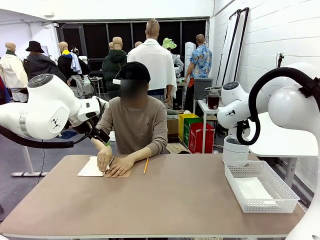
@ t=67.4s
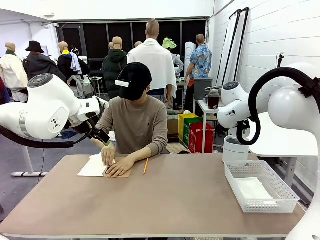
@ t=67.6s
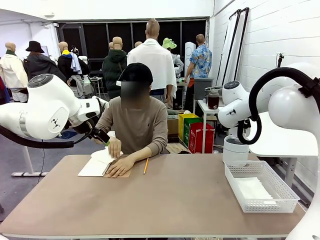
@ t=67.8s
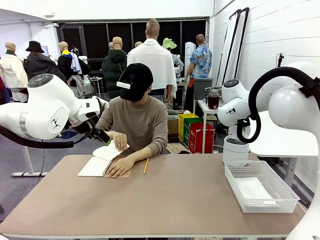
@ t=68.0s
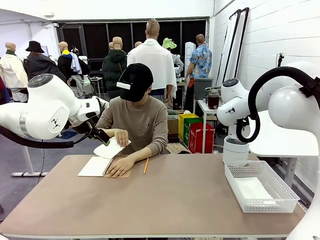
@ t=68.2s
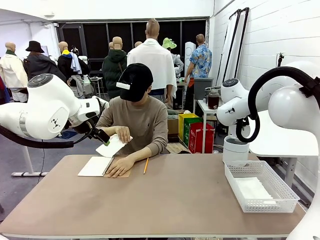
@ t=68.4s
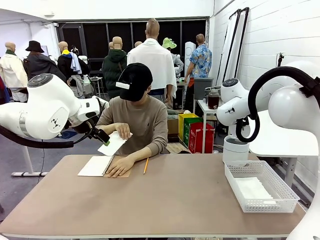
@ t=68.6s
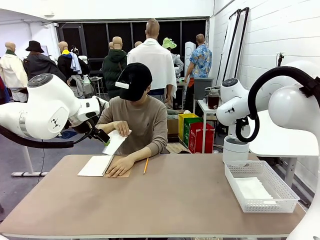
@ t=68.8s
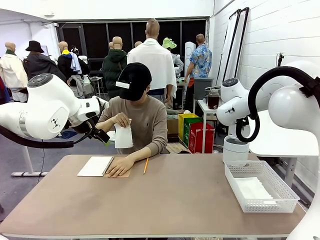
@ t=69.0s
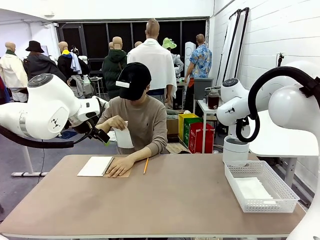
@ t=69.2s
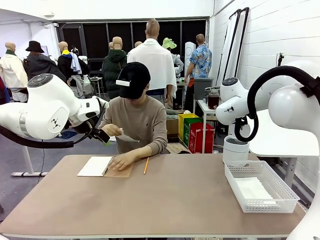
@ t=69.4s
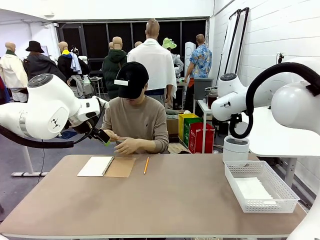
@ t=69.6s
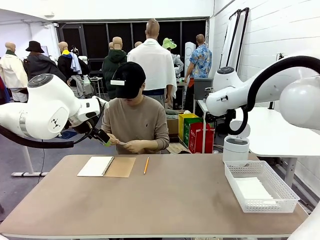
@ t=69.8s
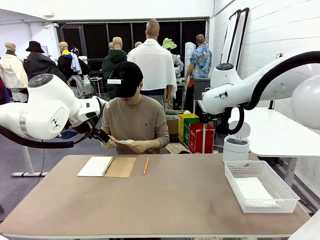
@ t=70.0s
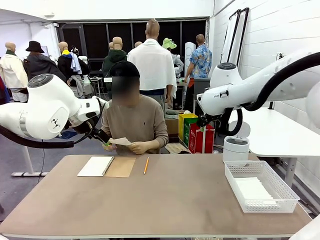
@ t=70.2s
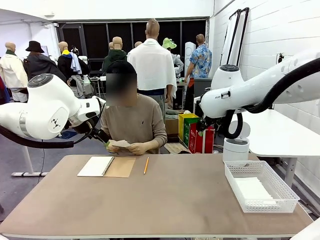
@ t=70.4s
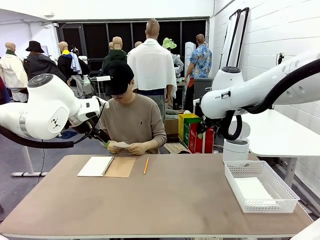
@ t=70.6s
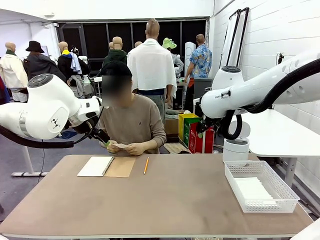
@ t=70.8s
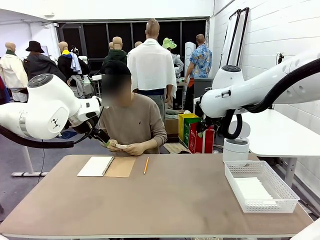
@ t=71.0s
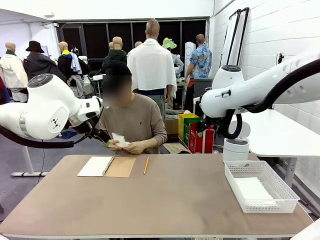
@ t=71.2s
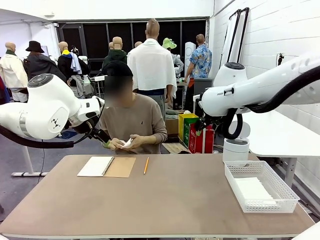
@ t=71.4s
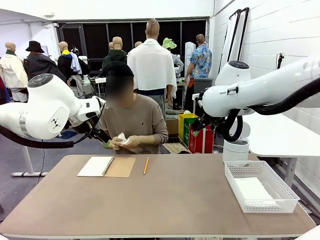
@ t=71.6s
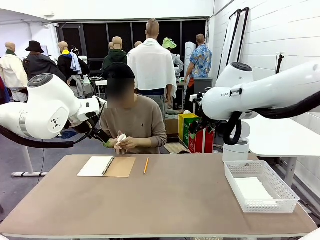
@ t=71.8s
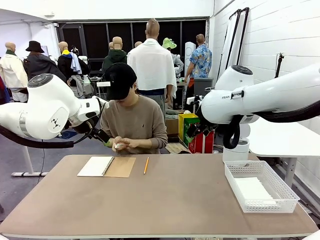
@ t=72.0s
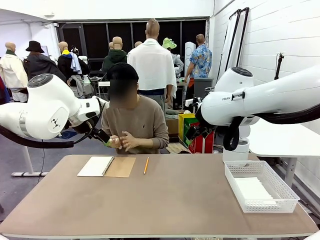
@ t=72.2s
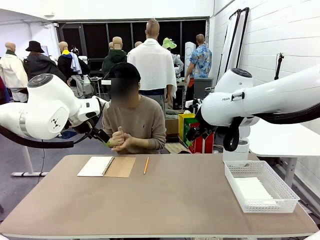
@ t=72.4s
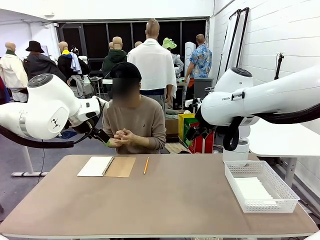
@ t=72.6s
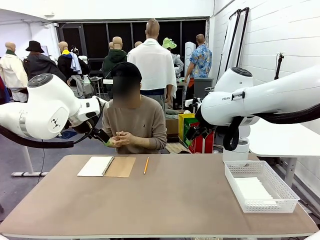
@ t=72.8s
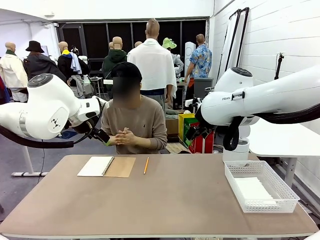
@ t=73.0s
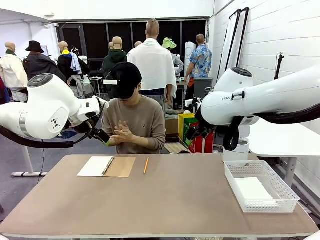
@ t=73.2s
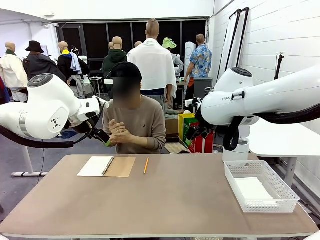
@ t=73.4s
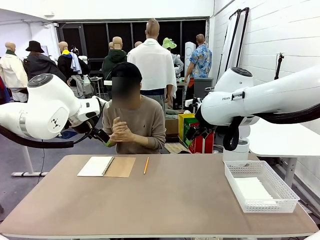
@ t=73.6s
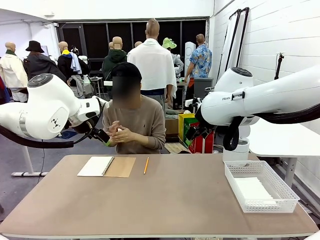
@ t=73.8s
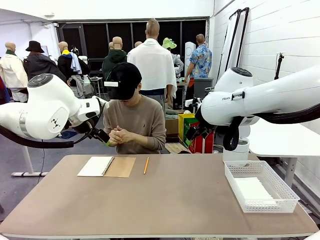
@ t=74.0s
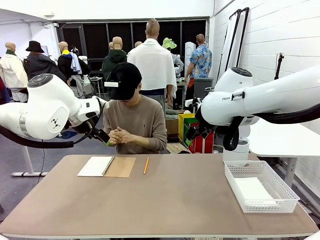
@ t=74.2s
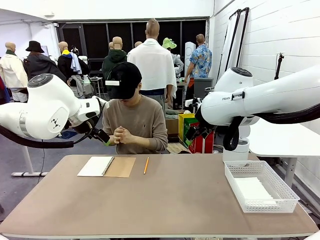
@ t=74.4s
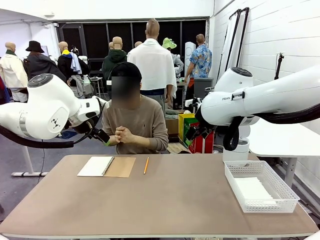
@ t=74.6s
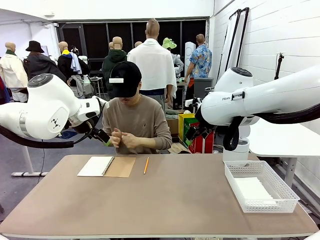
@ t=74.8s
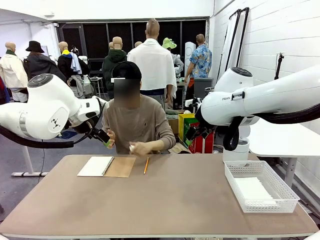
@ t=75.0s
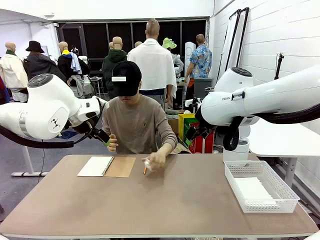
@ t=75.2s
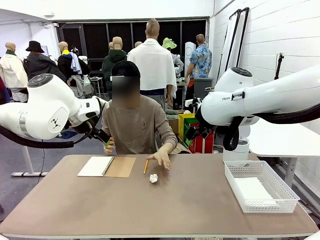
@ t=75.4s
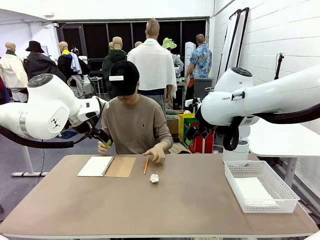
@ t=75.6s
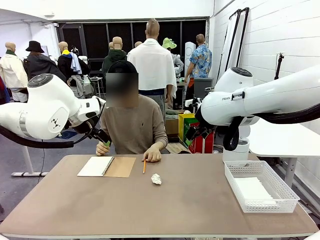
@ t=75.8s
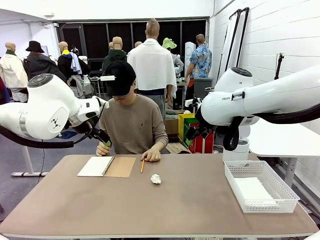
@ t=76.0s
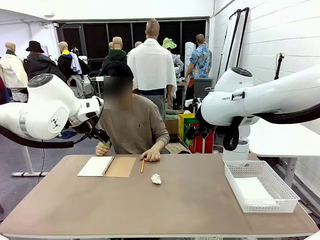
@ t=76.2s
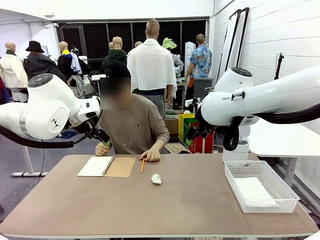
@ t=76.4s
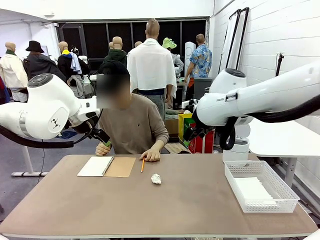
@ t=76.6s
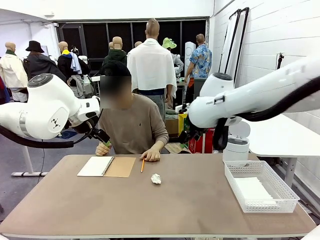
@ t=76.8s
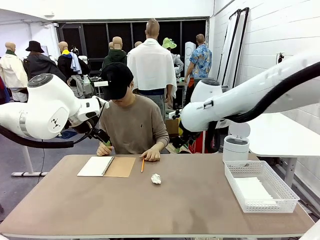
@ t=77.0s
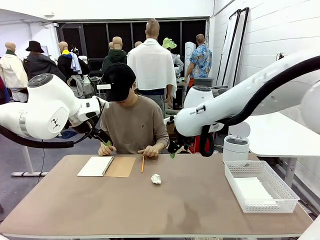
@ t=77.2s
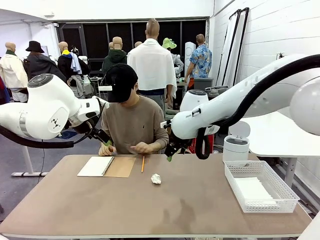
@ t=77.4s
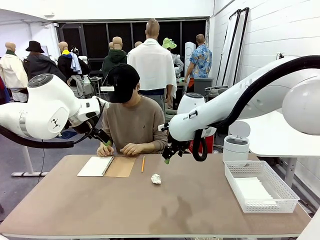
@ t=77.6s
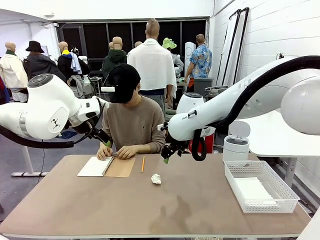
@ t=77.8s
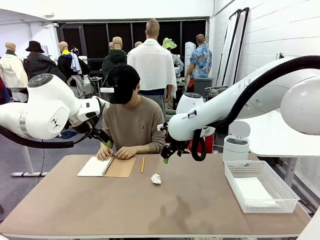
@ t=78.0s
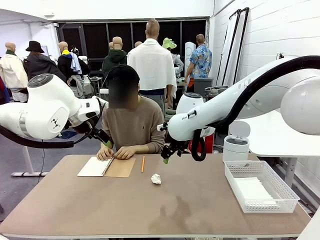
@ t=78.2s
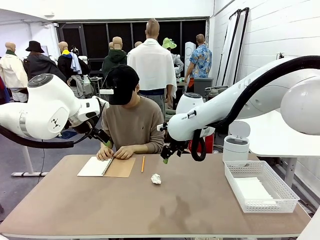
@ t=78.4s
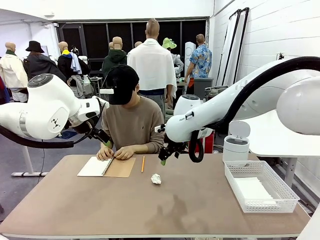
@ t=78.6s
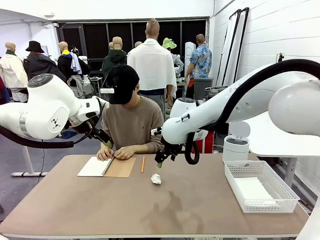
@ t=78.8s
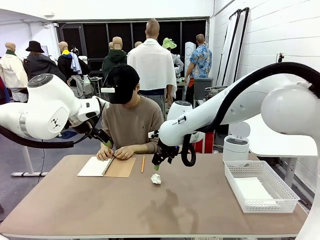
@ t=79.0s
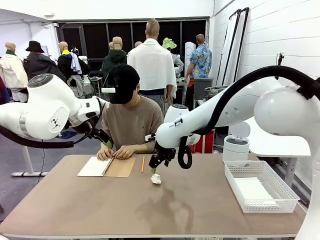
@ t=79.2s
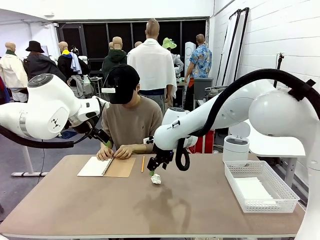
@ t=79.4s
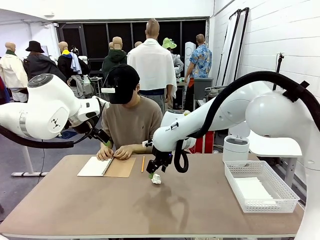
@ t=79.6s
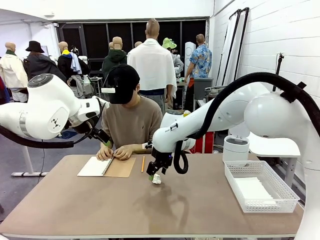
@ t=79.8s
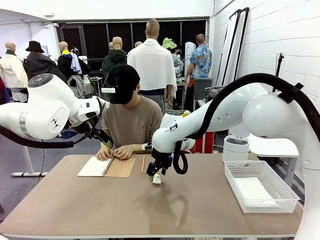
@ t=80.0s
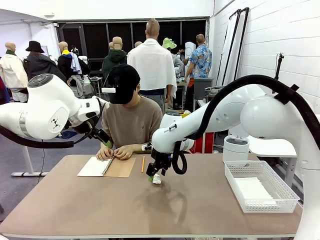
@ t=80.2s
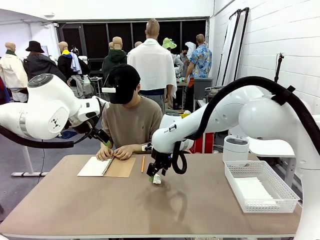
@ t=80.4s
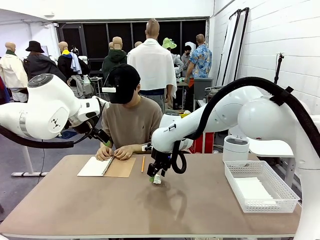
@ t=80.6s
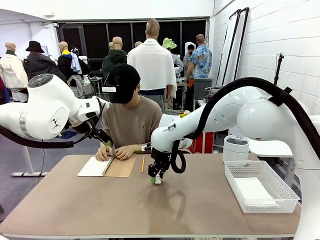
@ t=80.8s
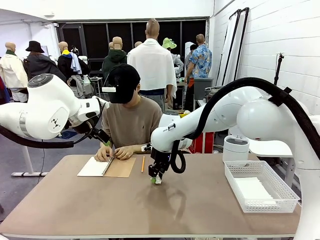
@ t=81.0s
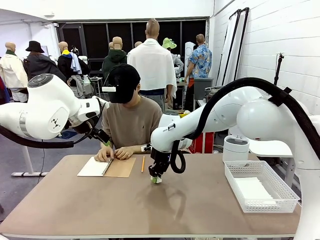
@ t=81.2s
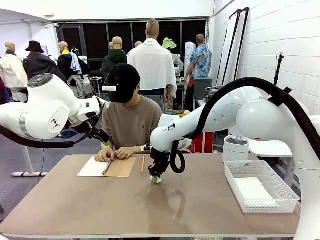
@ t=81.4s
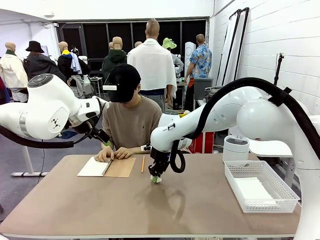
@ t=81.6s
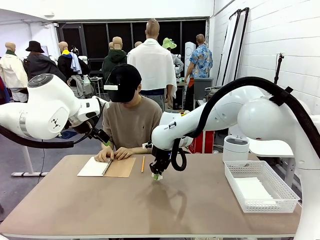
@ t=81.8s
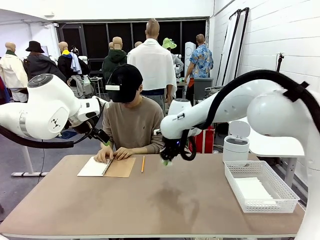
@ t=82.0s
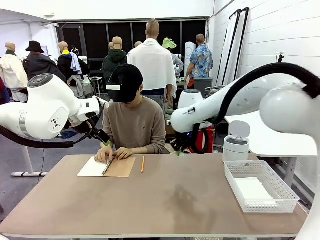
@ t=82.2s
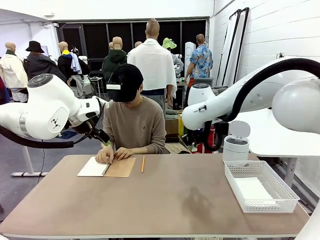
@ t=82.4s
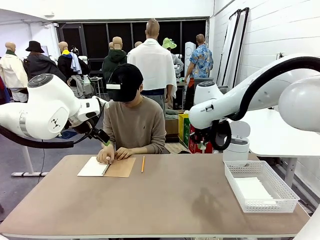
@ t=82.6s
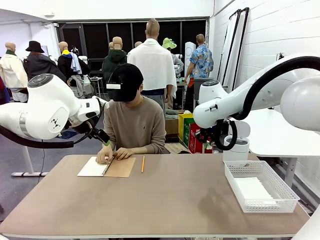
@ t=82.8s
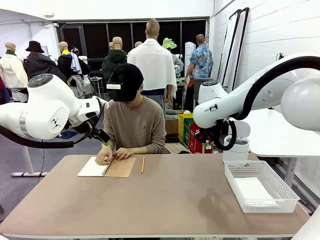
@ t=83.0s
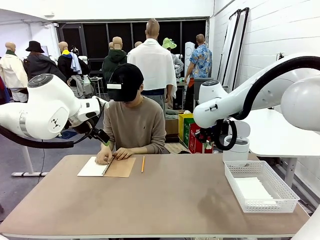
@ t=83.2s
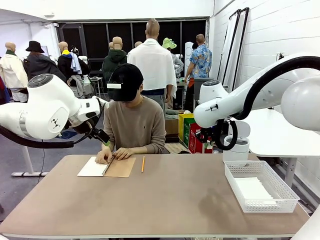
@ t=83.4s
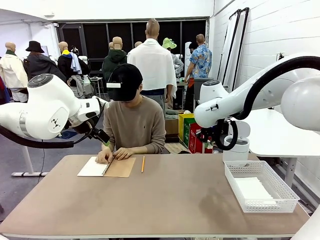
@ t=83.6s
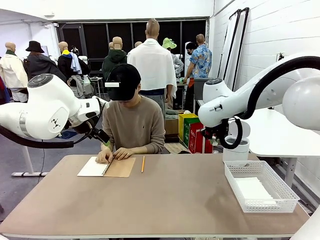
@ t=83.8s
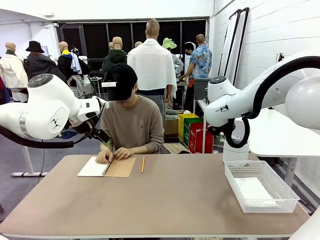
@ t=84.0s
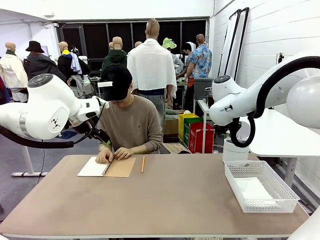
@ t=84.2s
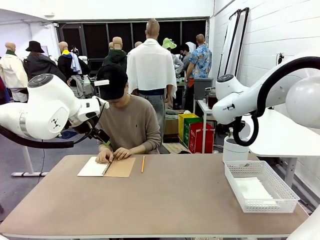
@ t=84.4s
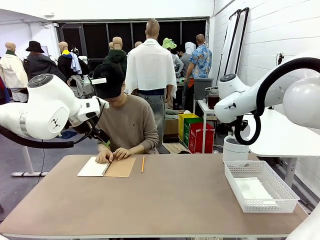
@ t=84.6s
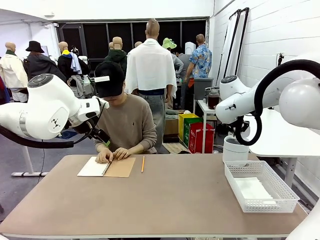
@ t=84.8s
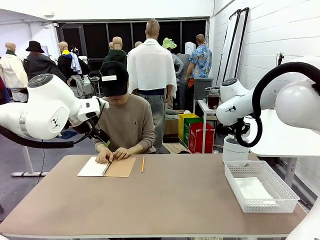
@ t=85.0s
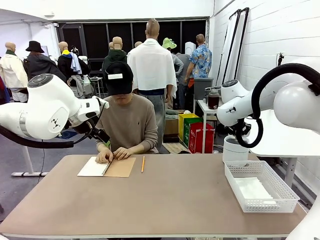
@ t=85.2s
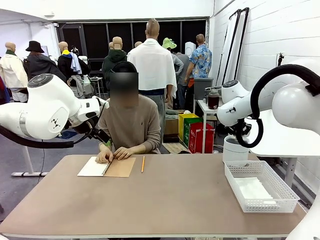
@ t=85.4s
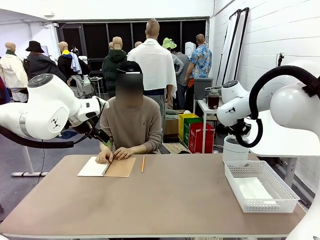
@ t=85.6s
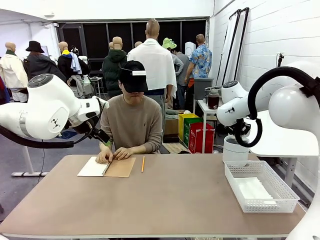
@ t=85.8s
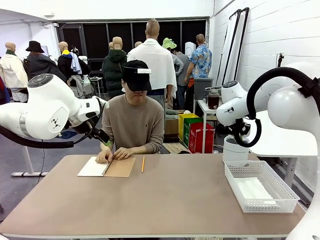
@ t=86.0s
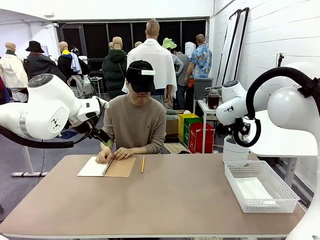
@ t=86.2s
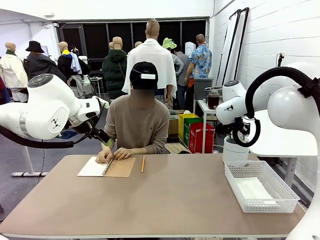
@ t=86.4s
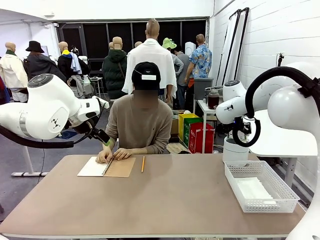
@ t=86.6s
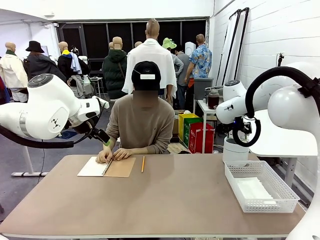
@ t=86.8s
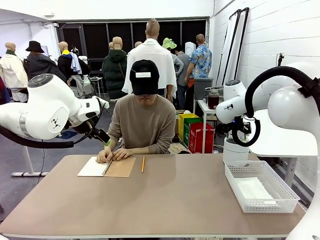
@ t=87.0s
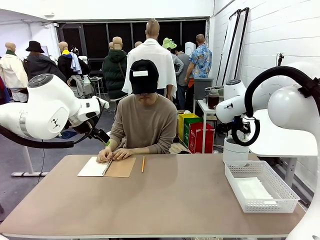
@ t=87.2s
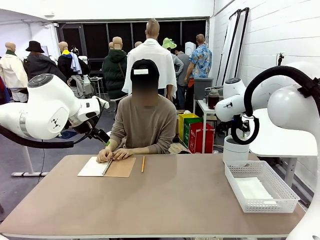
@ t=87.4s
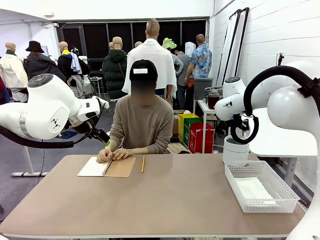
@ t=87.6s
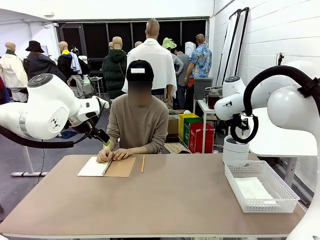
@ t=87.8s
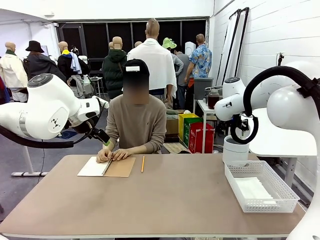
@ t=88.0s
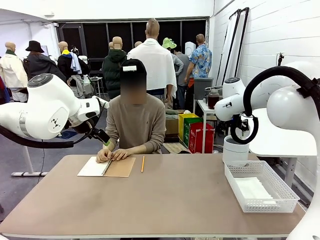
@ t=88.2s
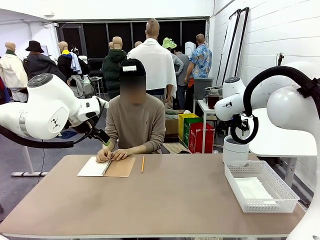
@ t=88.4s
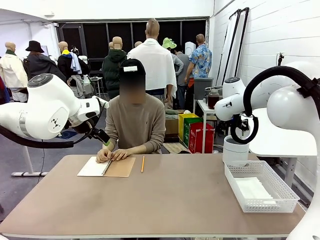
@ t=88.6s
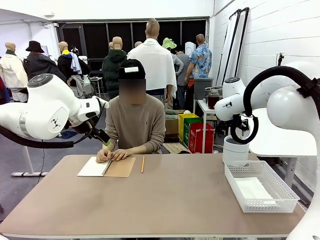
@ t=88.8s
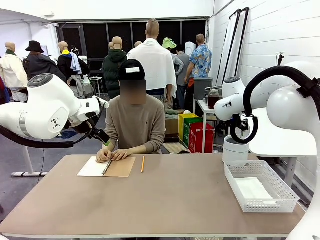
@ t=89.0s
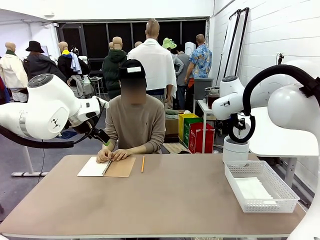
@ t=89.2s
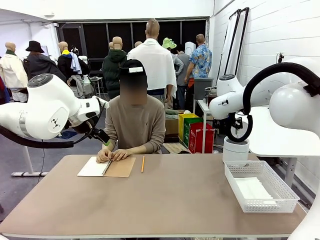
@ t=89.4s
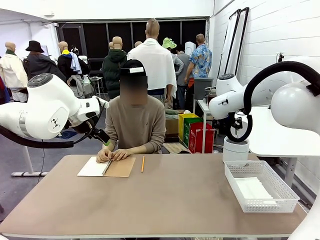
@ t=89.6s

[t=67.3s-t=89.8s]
Task: Sort the paper based on its condition.
Robot: If a person hands you a paper, place it in the Organizing basket , and if it's crumpled, put it in the Trash can.
Person: Hand the torn page to the robot or crumple it and throw it to the center of the table.
